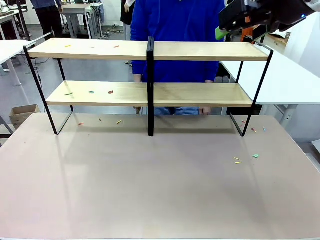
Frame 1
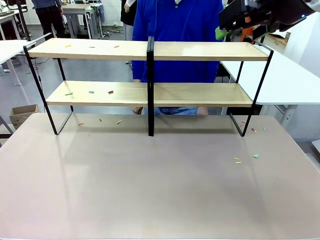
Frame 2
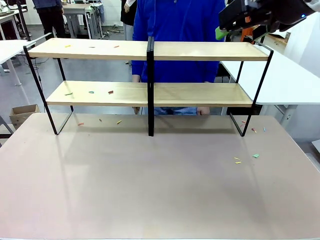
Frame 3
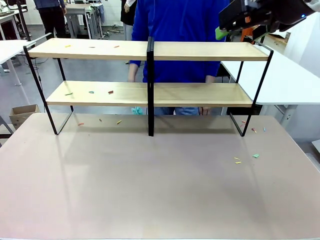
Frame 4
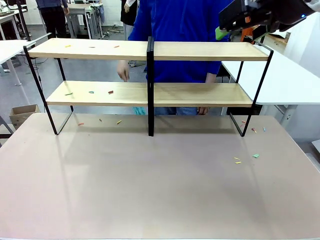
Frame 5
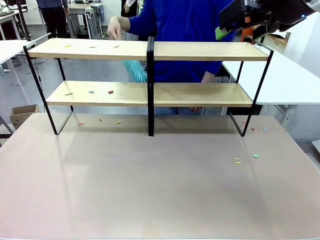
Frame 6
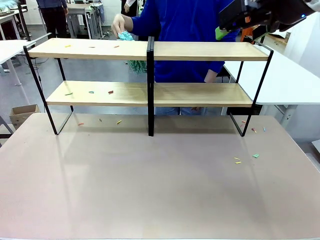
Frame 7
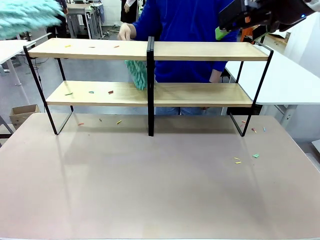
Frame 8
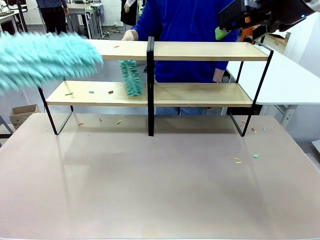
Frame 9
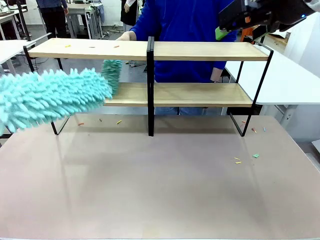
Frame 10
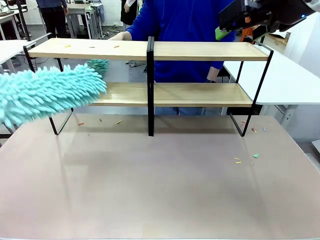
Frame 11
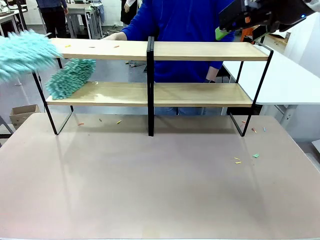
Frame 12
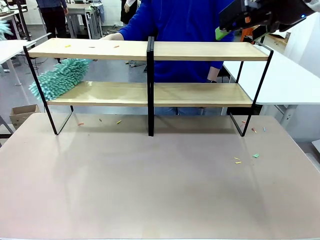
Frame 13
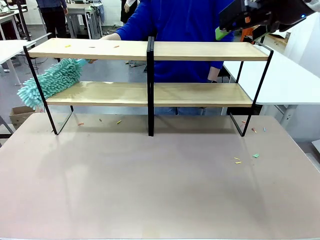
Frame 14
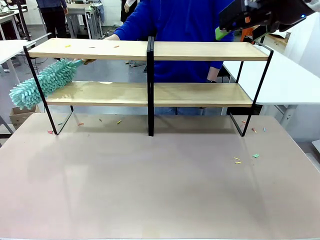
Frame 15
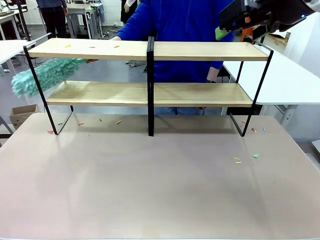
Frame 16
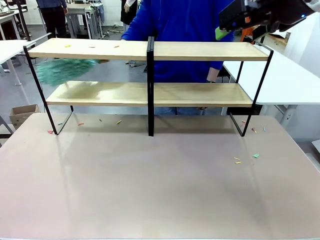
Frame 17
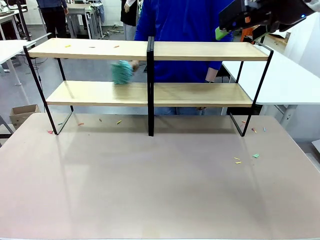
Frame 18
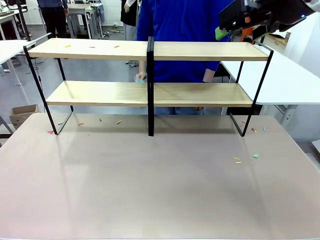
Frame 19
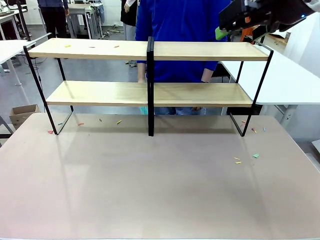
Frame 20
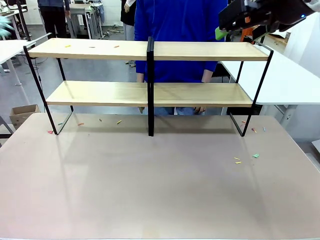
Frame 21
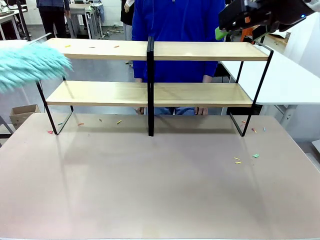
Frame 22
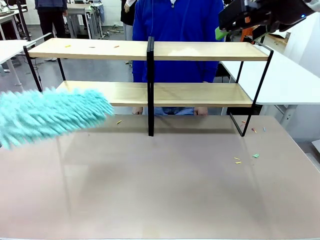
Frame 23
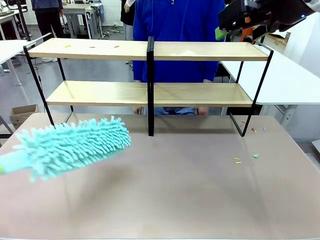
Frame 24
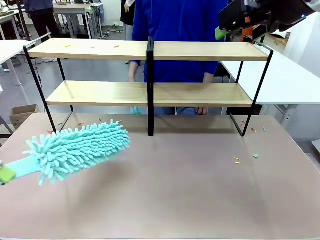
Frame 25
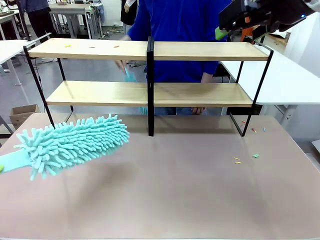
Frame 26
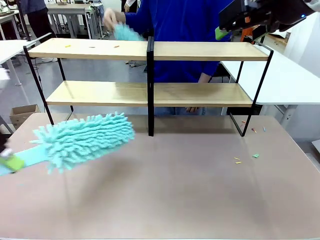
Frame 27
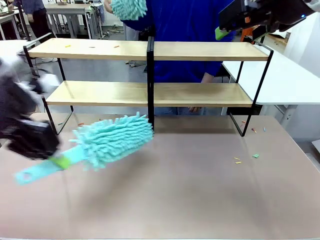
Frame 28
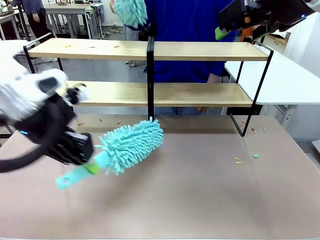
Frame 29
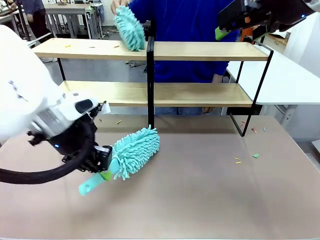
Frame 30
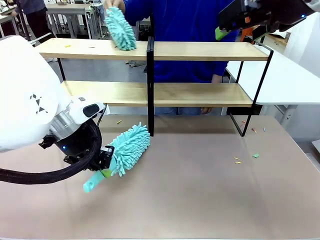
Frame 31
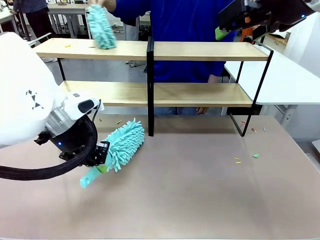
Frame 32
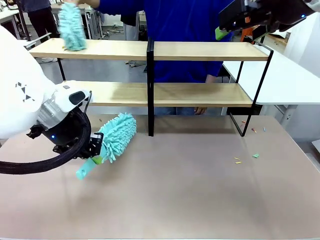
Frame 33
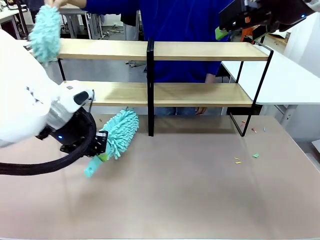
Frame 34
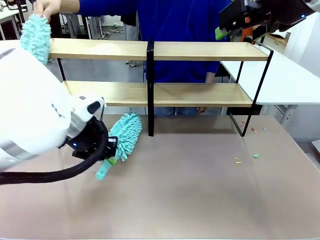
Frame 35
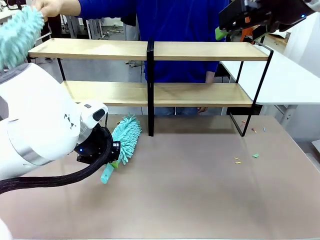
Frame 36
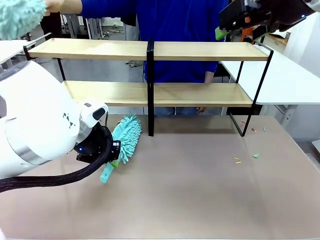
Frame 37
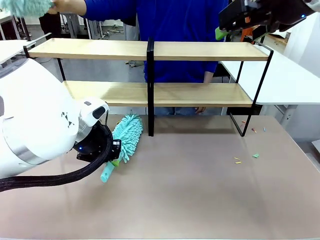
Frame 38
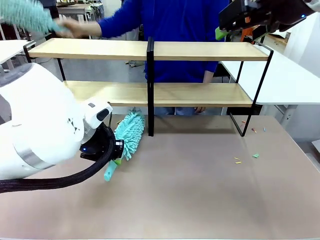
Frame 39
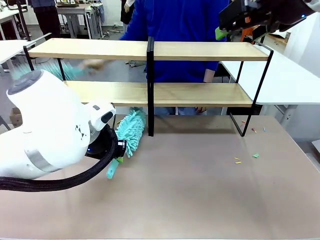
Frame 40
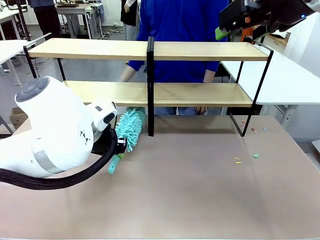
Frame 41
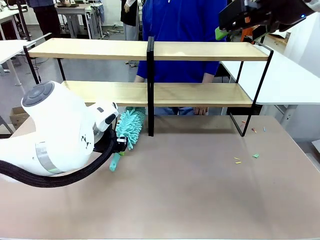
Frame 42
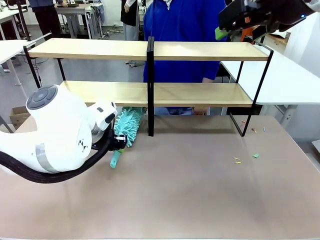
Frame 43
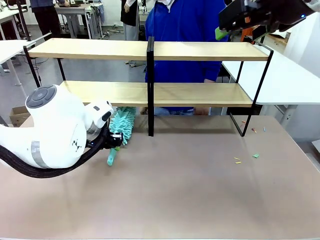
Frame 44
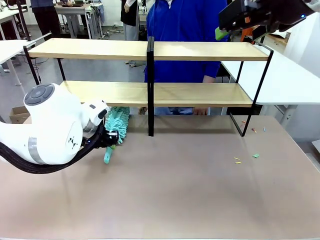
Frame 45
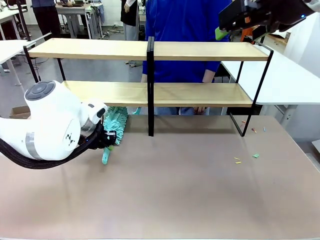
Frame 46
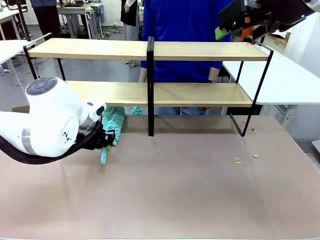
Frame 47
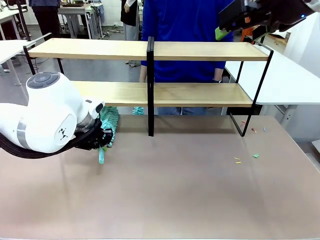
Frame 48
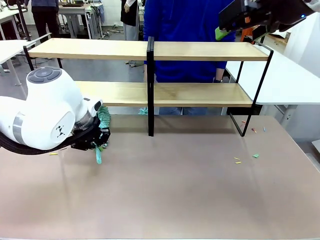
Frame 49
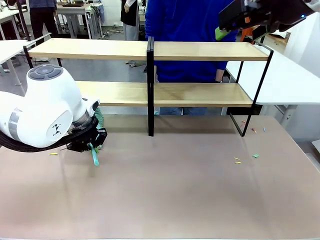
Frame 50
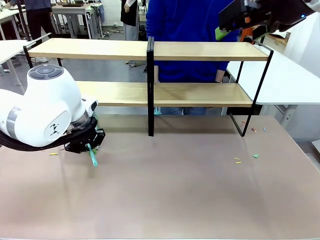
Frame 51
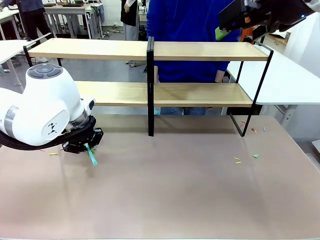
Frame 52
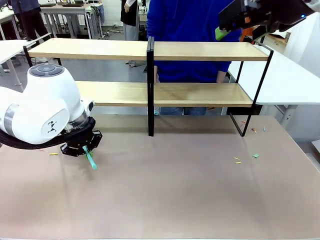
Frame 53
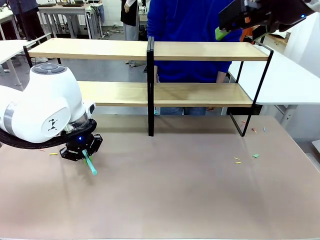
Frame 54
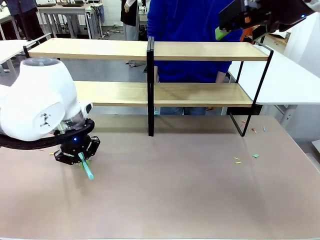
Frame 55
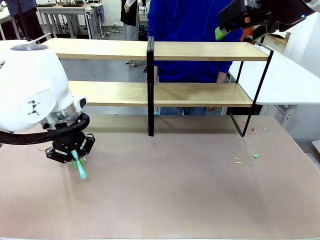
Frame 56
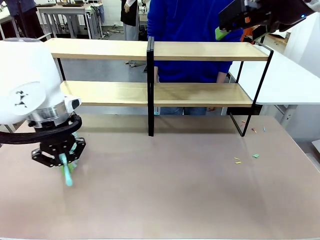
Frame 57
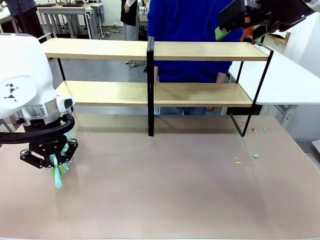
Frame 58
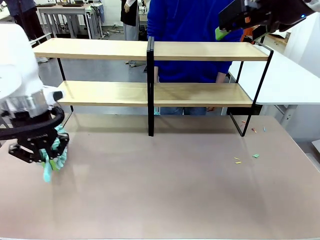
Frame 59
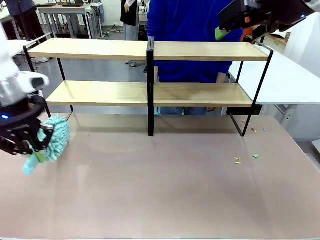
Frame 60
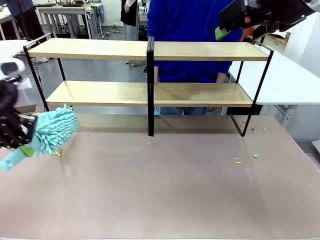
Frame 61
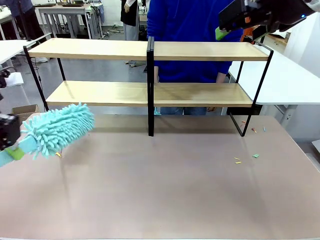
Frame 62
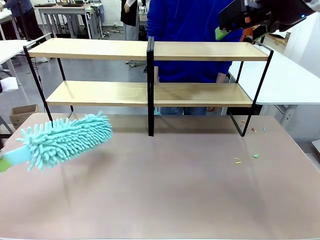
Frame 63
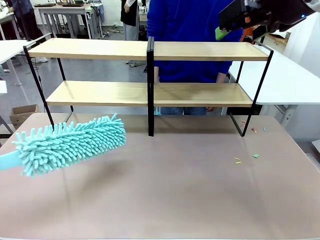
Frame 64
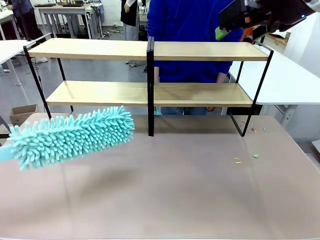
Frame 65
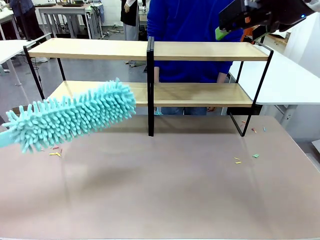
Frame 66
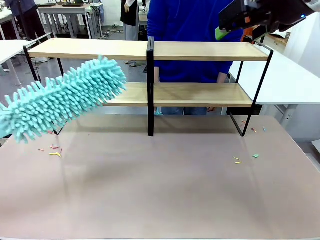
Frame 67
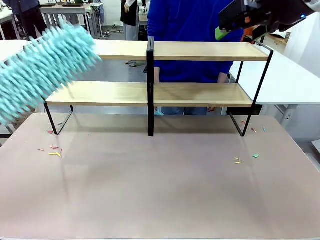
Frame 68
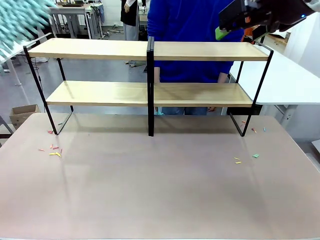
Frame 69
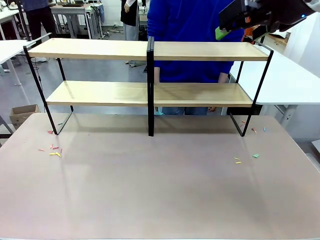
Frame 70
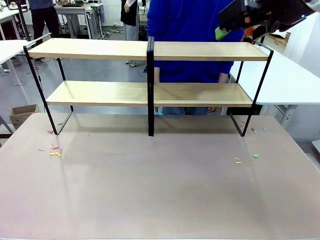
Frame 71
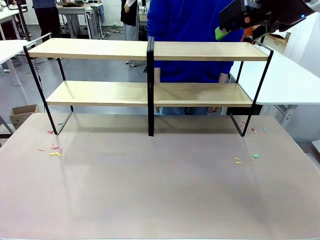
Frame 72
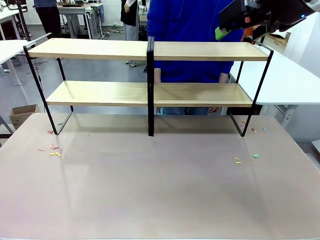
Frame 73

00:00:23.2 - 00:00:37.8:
Task: Clean the shelves.
Robot: Clean another randomly selected level of the Shelf with the Duster.

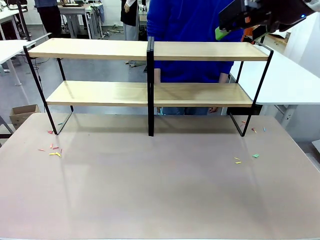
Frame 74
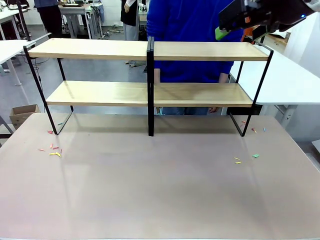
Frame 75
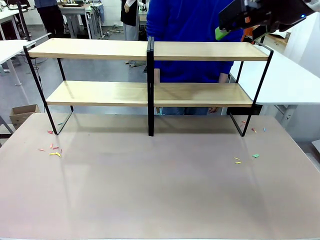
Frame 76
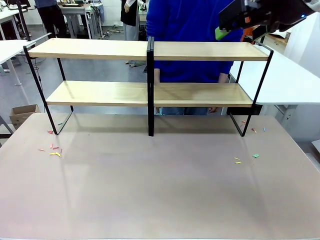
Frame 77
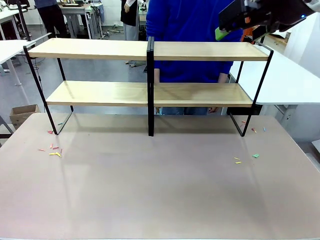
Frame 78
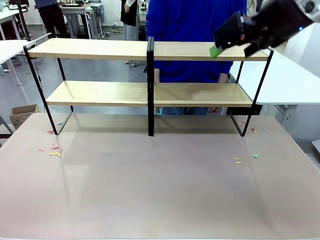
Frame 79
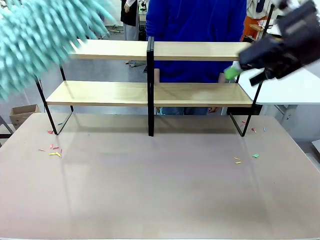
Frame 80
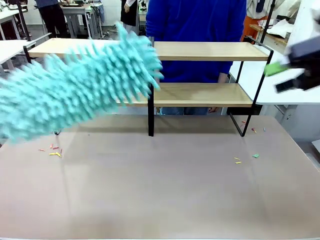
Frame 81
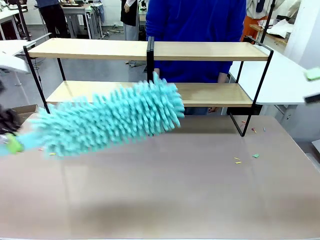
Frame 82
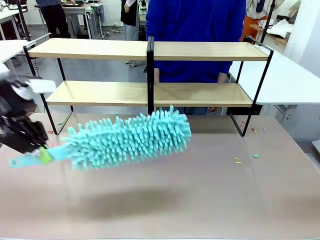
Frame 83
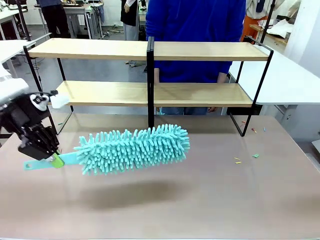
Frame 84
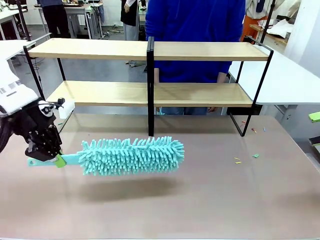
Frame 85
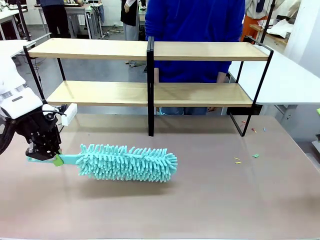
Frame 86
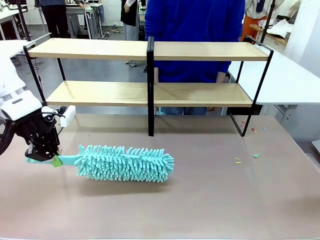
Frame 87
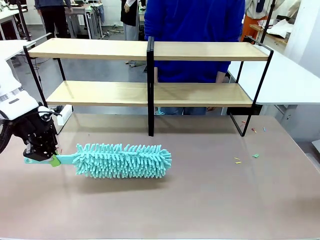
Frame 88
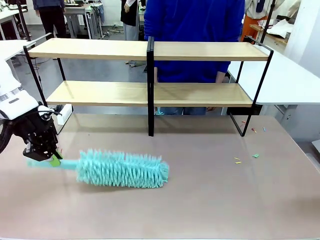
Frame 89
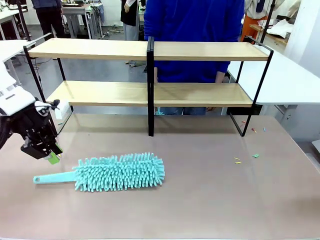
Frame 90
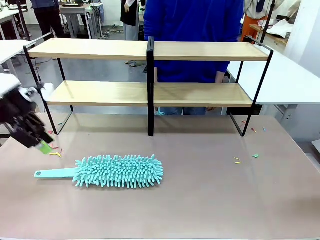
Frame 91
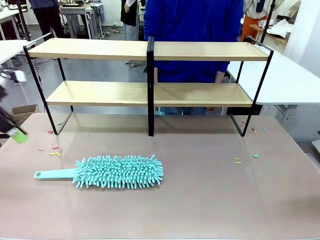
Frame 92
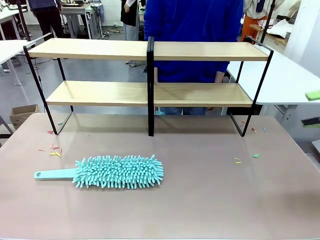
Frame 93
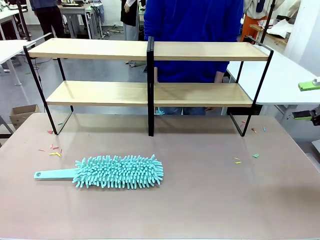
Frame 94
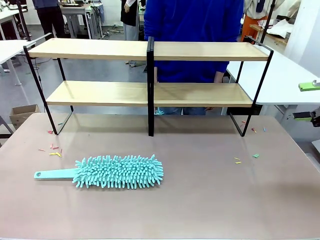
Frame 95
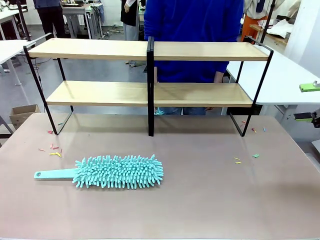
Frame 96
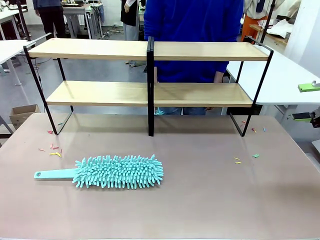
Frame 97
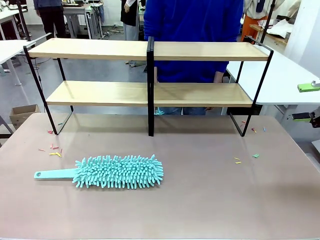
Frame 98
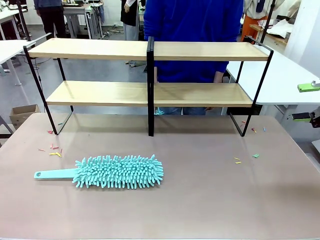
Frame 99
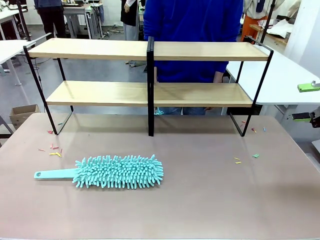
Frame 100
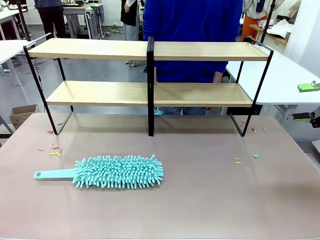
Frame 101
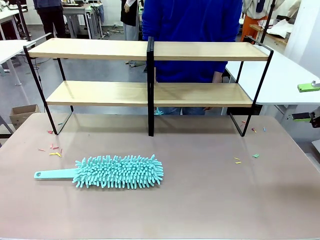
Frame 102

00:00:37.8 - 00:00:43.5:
Robot: Place the Duster on the table.
